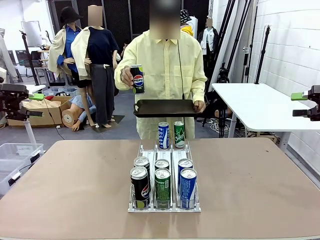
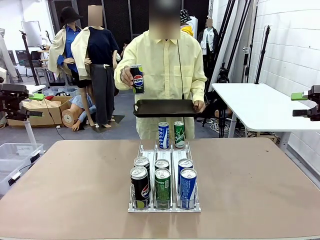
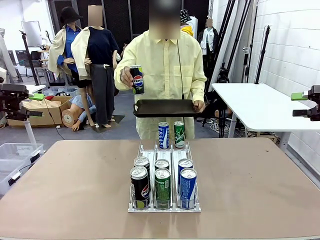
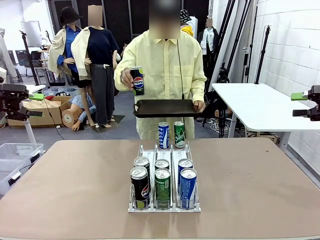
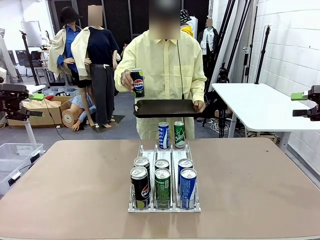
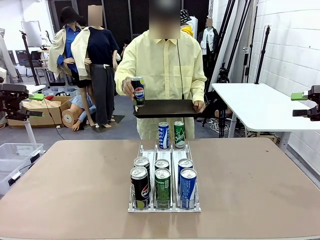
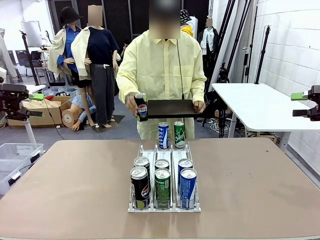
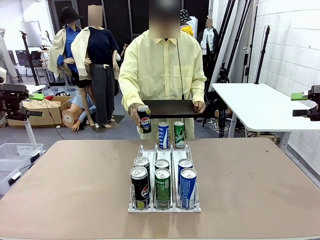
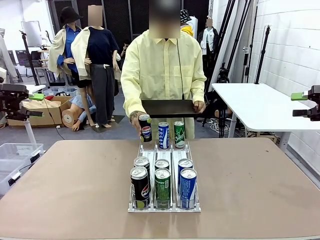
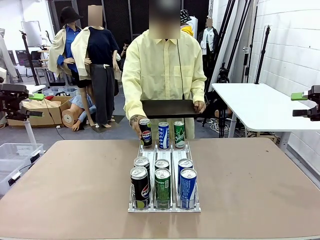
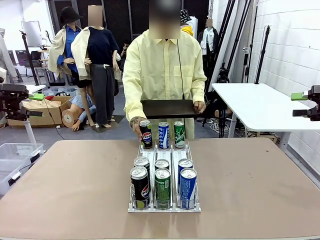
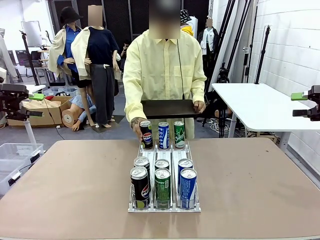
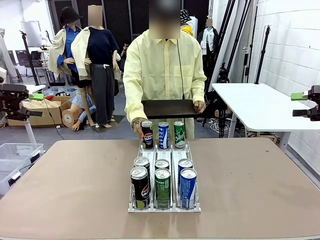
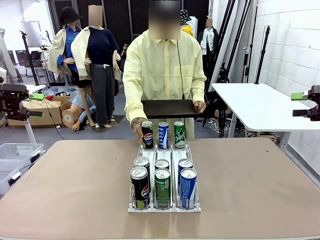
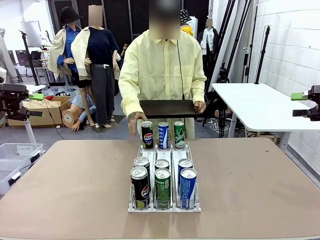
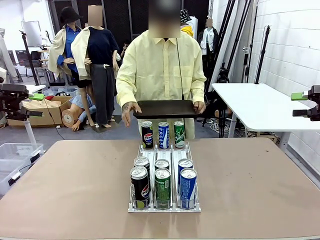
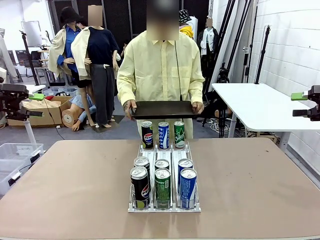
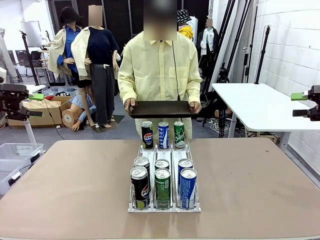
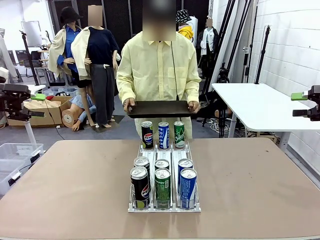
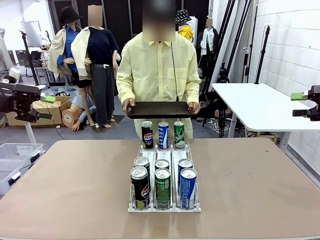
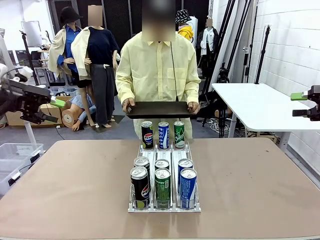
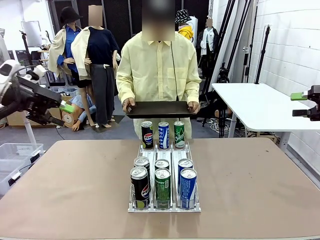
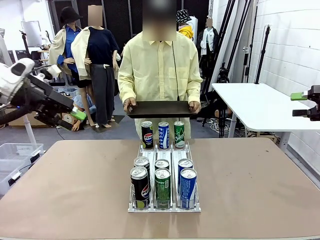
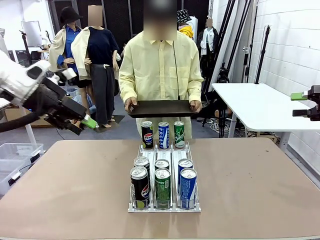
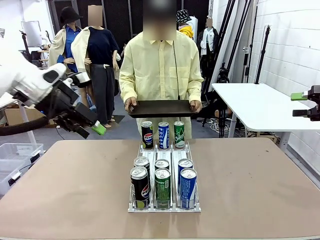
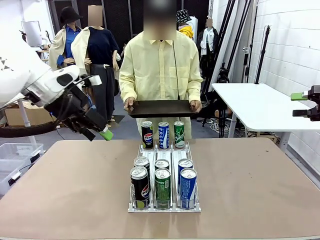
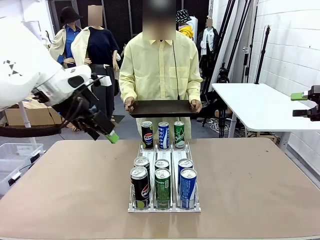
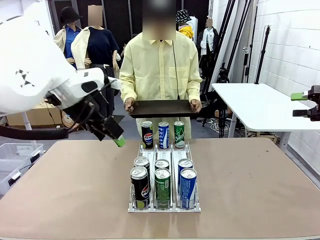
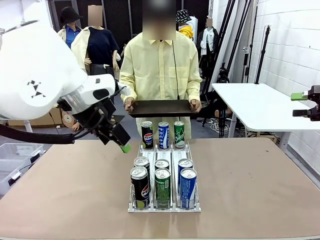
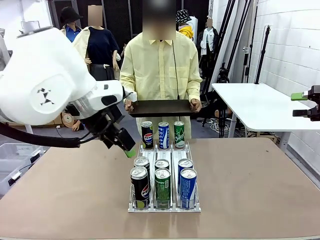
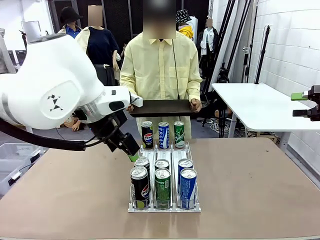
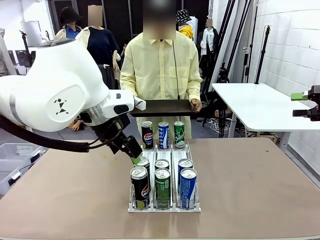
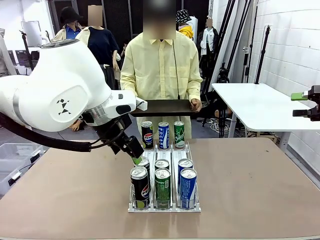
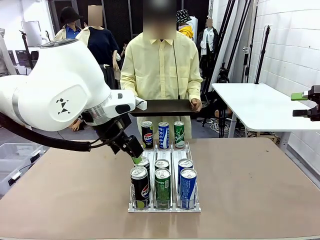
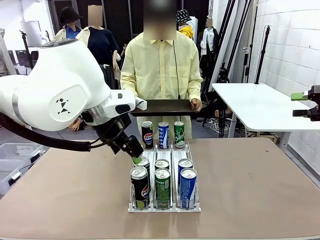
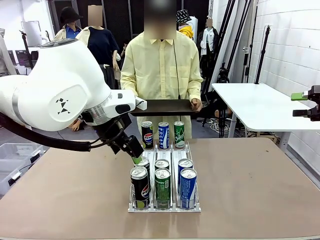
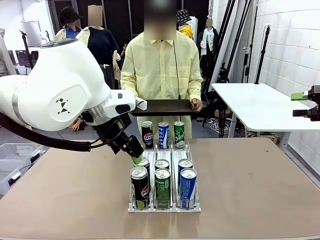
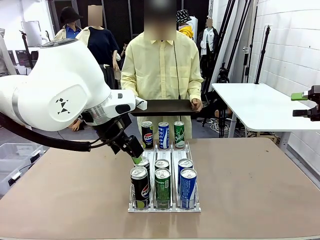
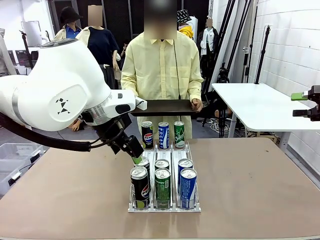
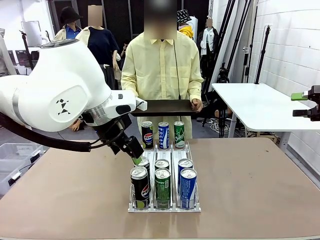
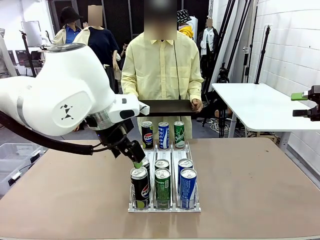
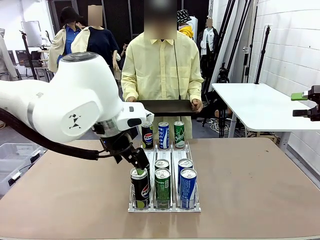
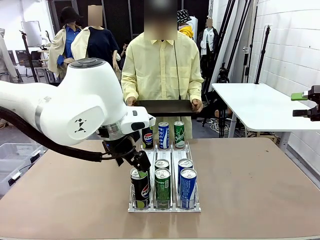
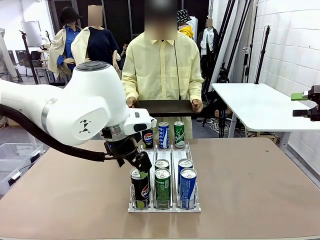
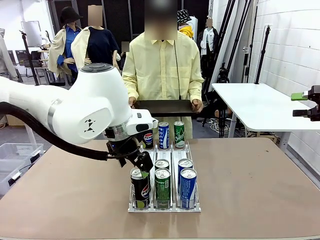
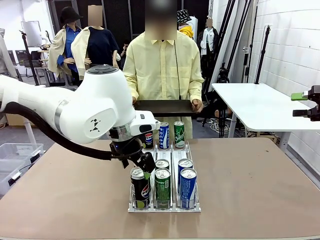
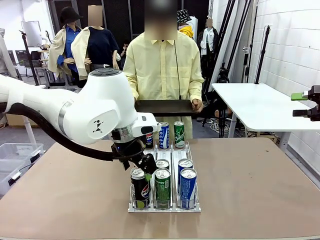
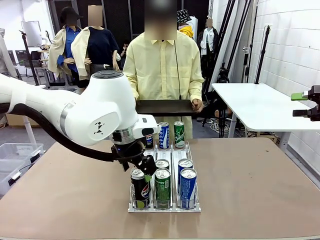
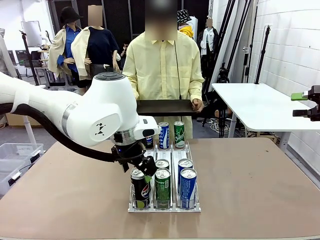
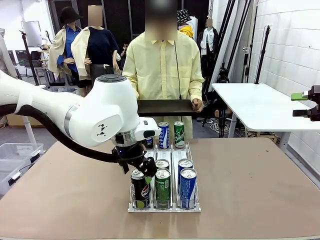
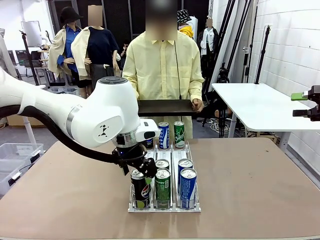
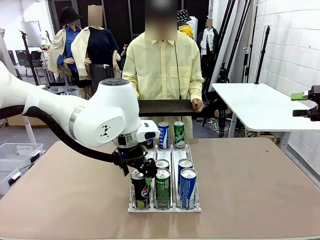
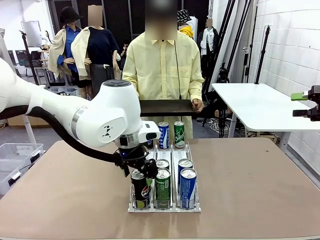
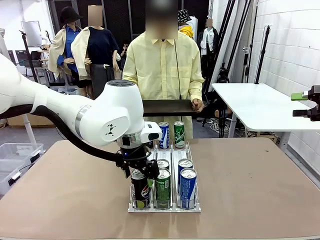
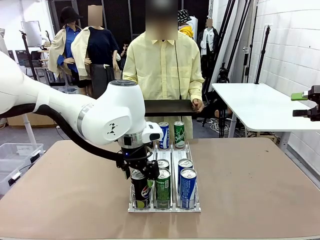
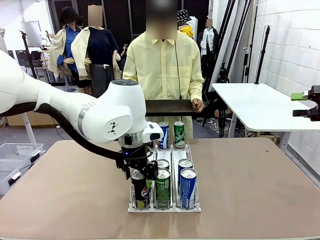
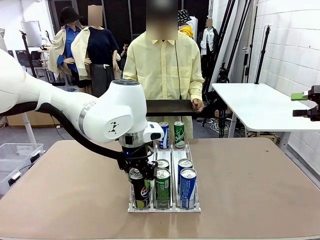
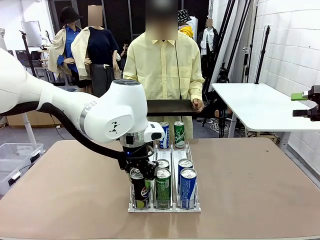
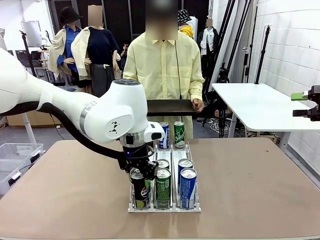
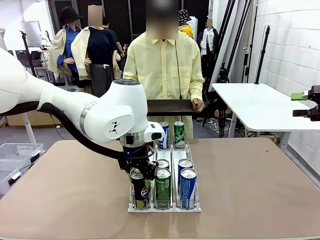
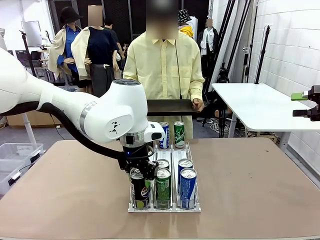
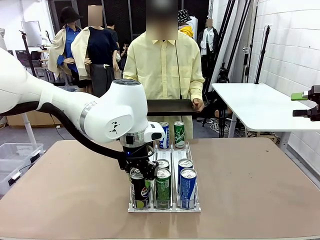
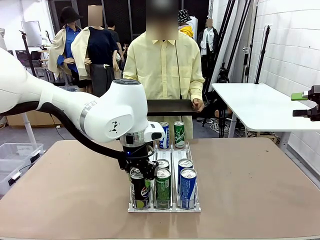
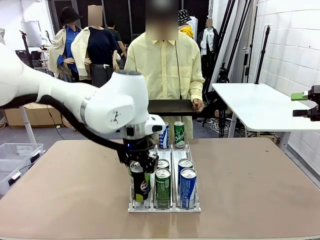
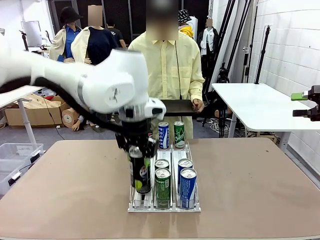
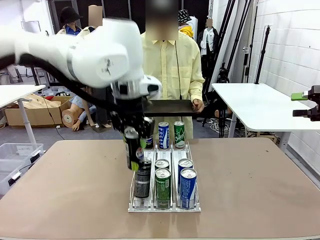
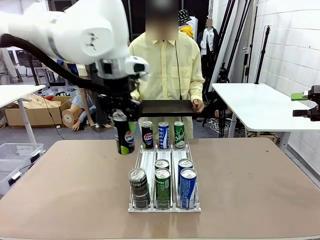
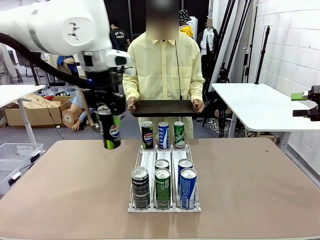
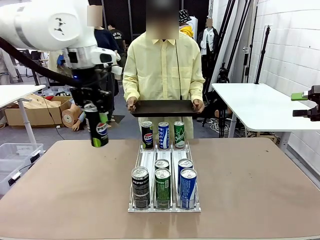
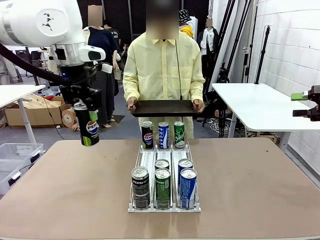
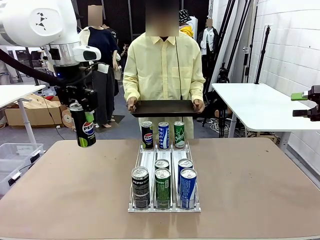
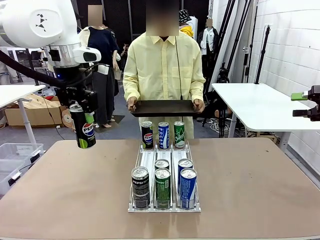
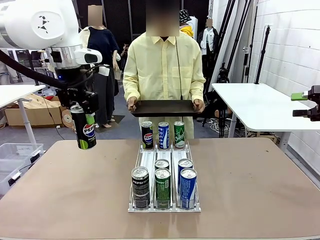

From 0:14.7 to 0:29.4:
Task: Retrieve and hand over the desired beverage to the person.
Robot: Pick up a can of the same type that the person held from the Automatic Can Dispenser.
Person: Push the tray toward the robot.

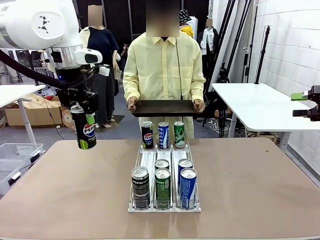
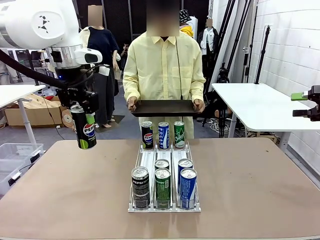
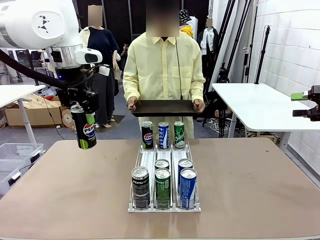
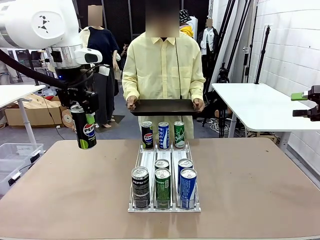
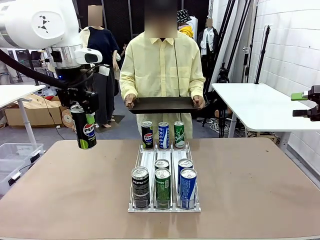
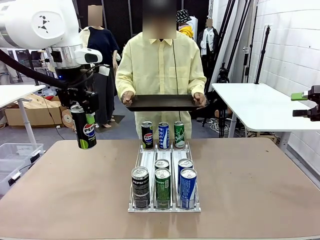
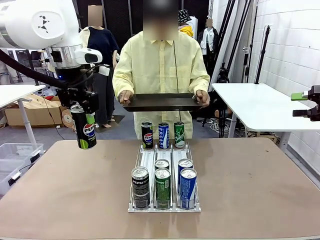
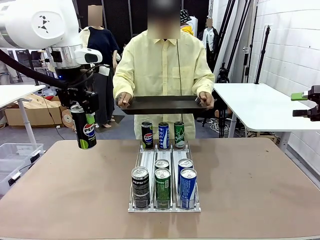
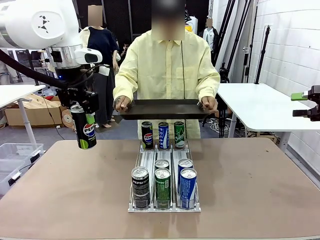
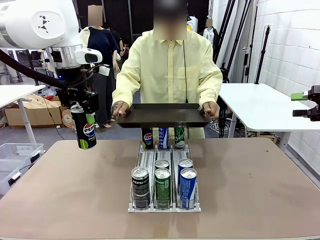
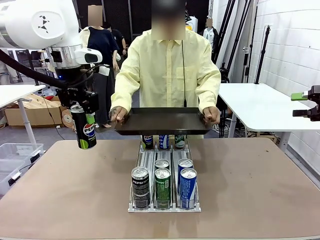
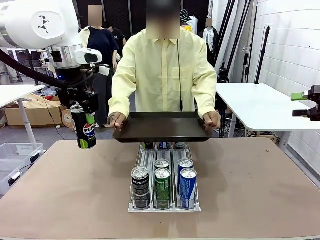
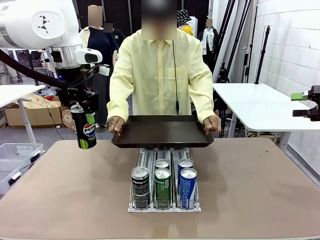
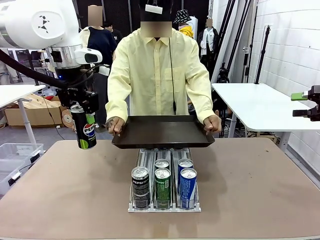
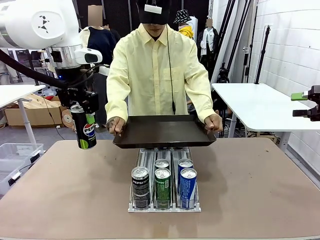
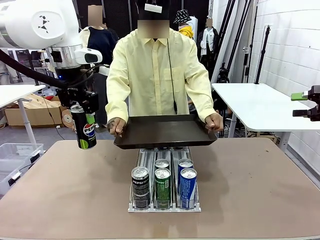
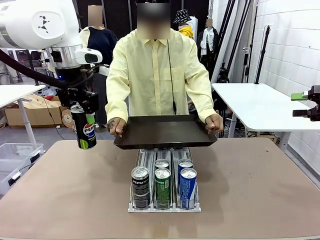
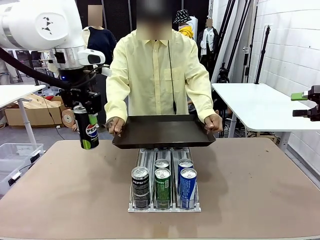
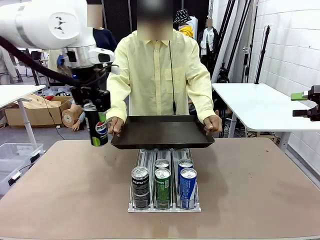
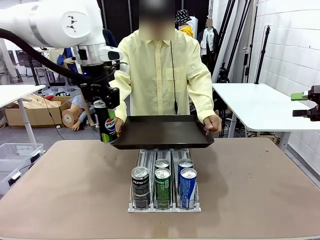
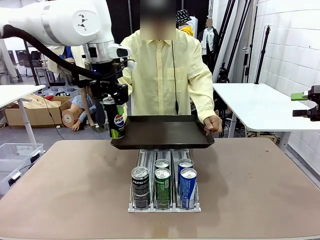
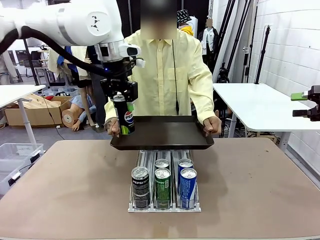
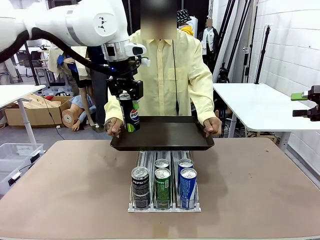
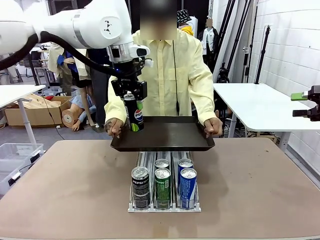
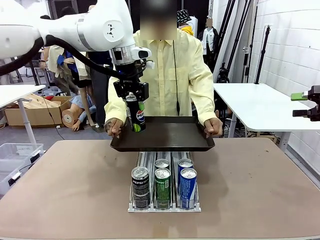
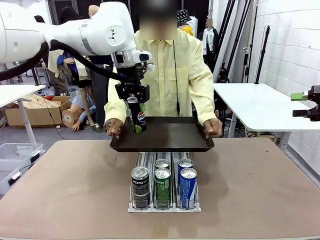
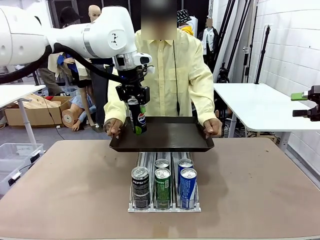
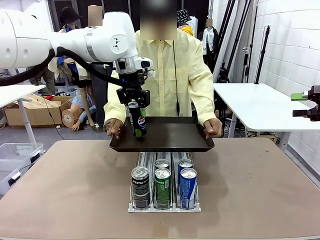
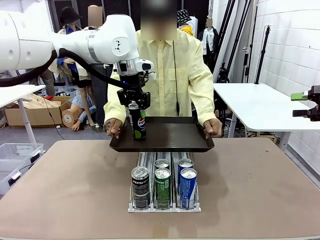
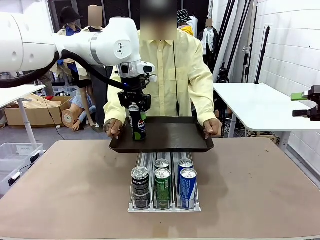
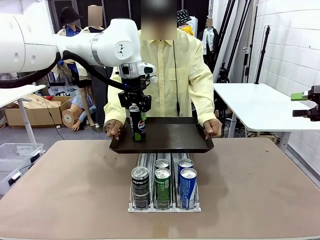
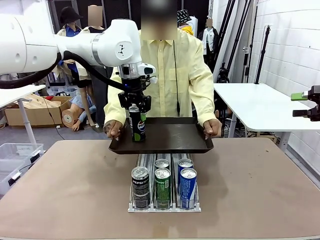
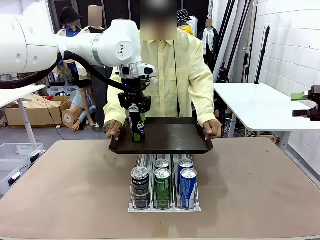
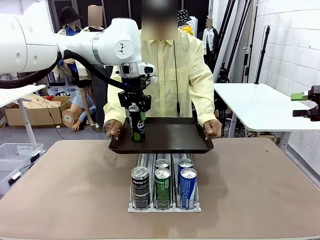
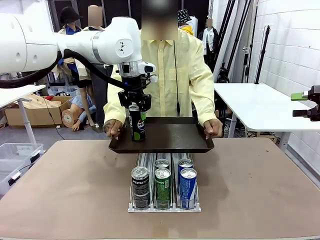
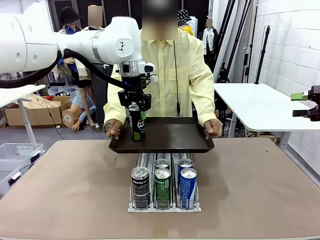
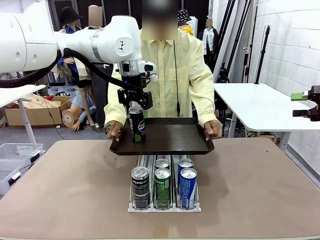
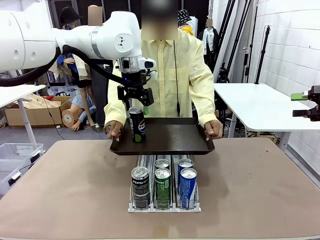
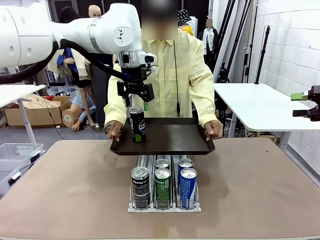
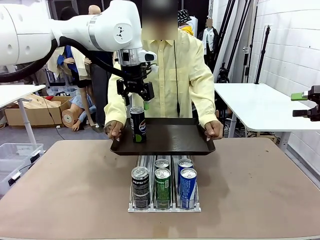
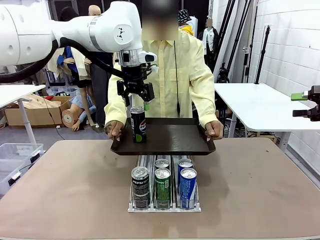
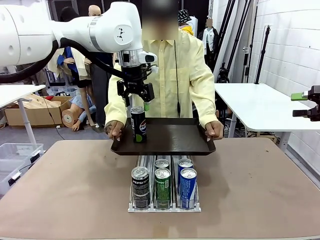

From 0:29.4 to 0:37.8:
Robot: Place the picked can on the Handle tray extended by the person.
